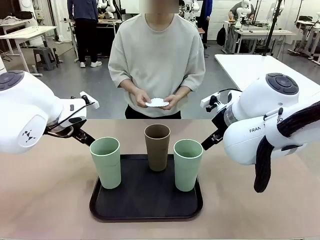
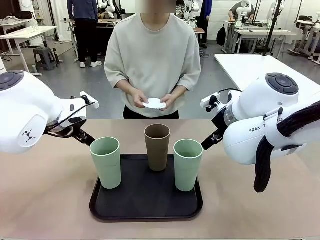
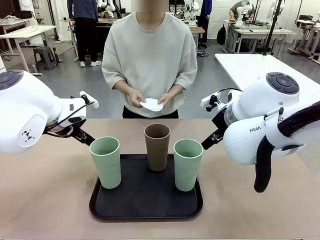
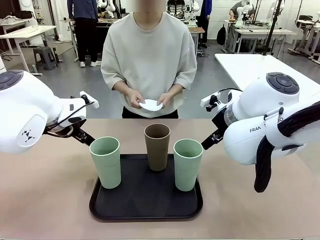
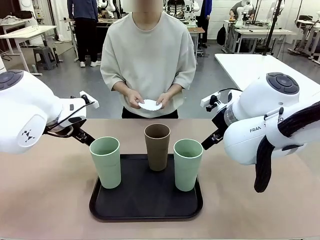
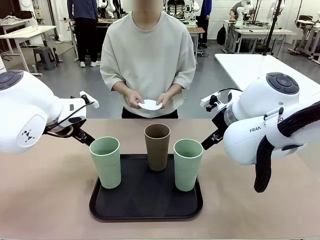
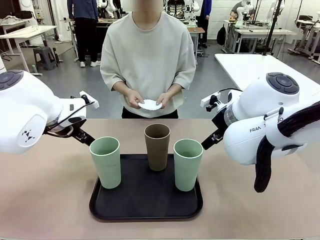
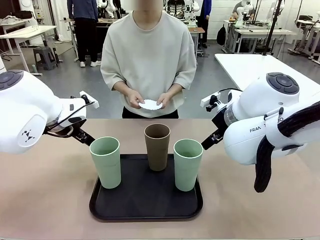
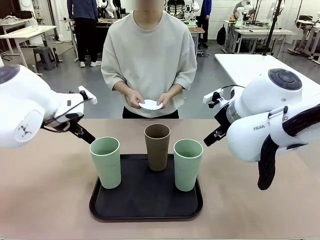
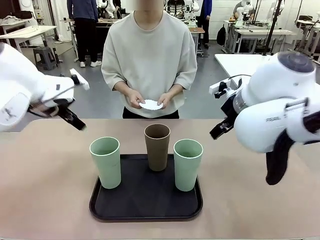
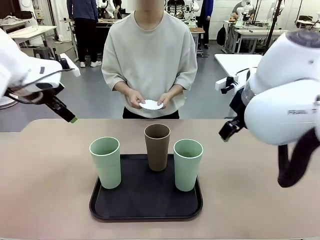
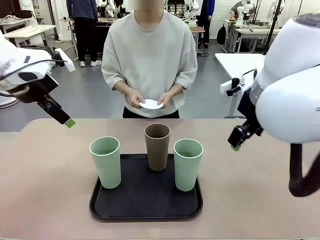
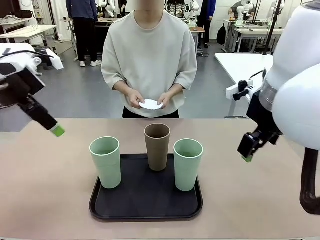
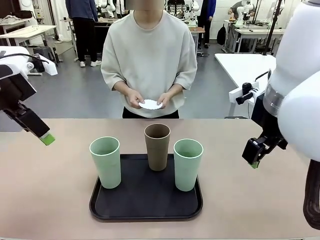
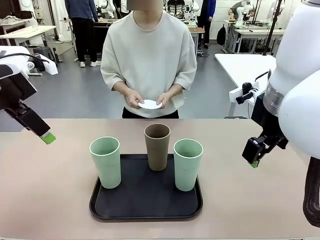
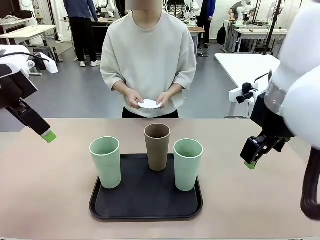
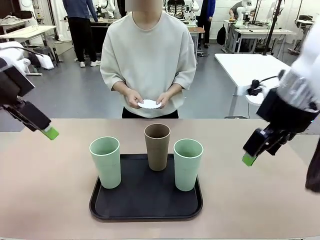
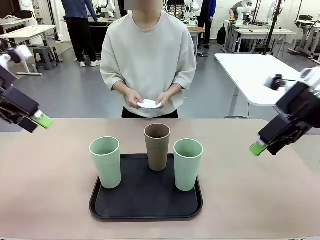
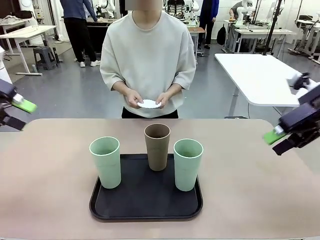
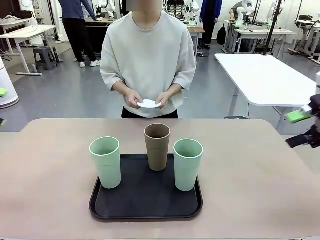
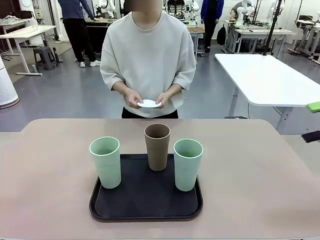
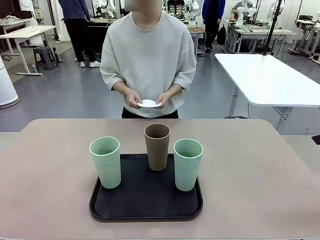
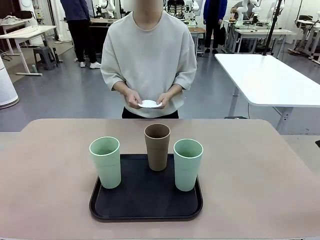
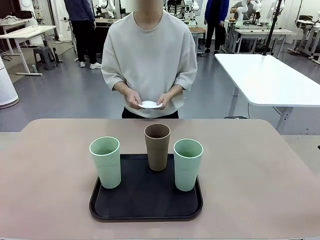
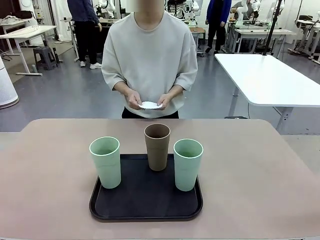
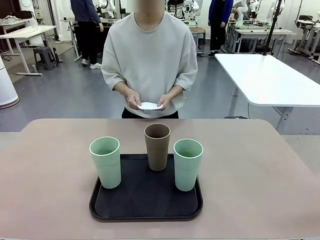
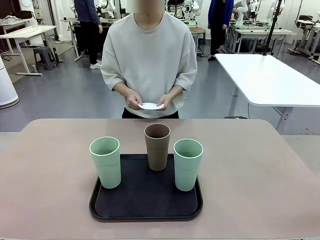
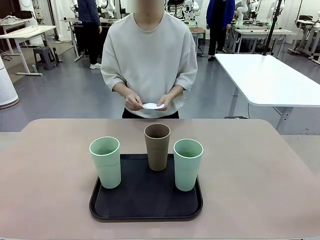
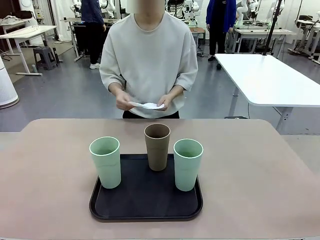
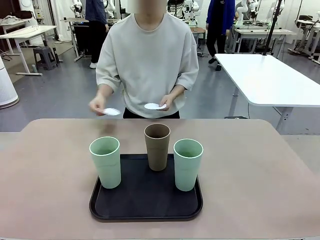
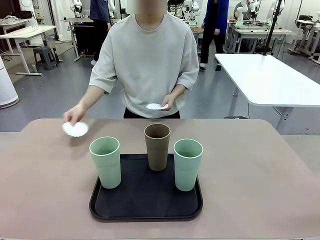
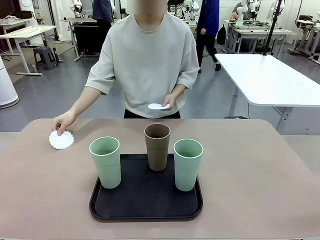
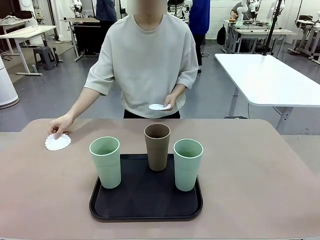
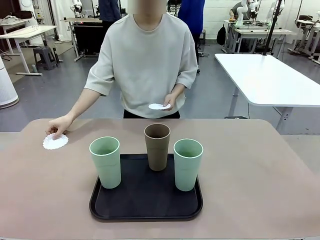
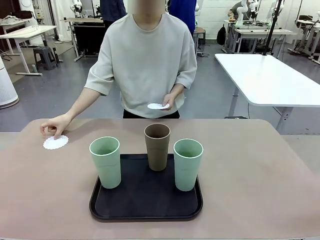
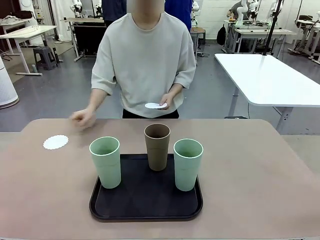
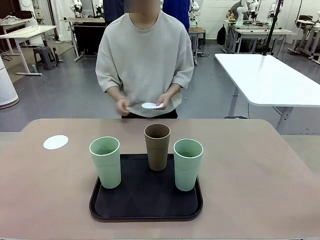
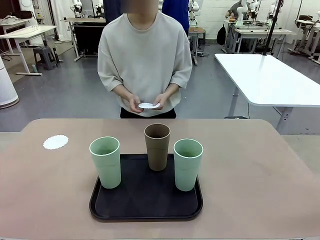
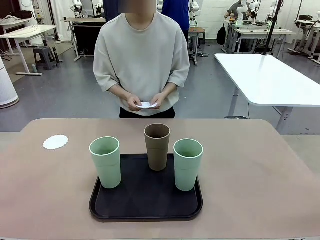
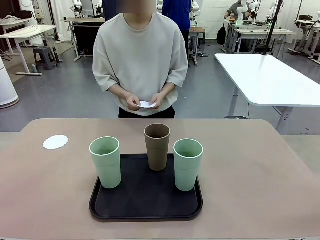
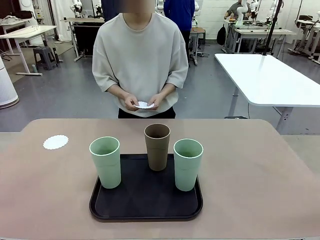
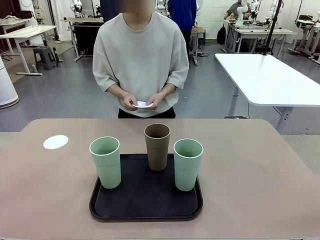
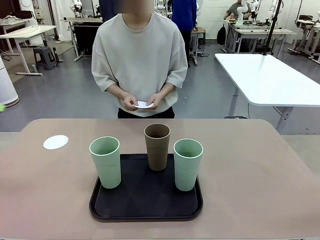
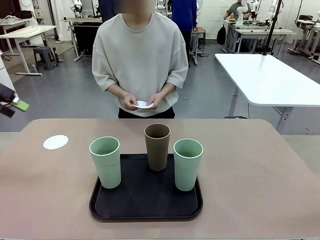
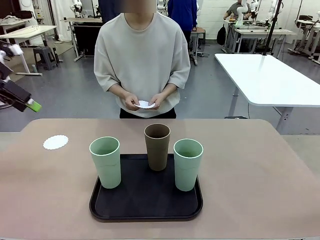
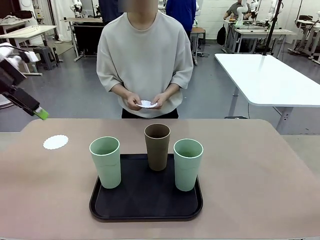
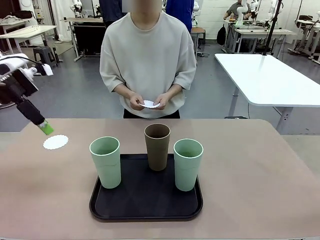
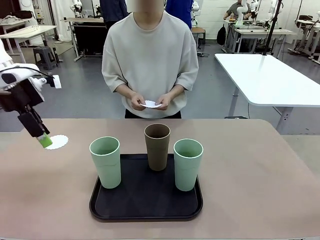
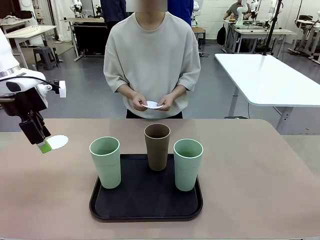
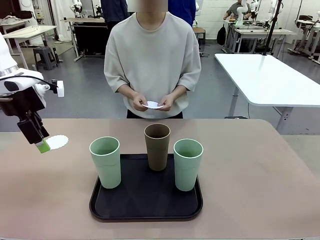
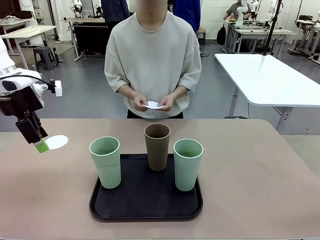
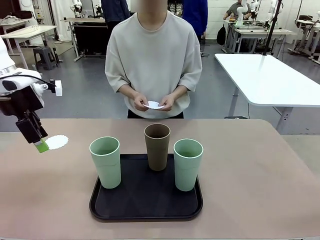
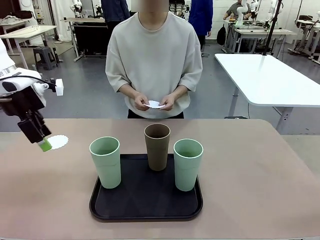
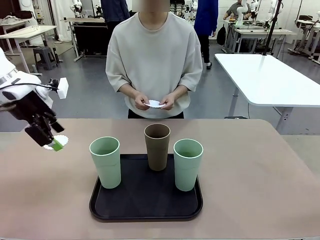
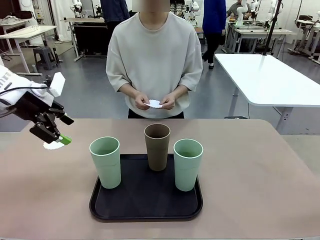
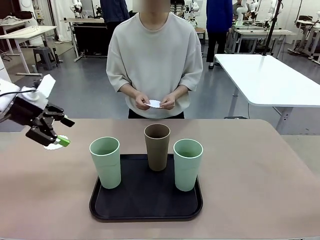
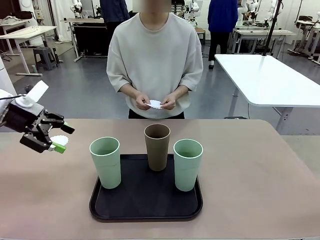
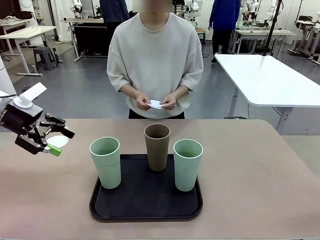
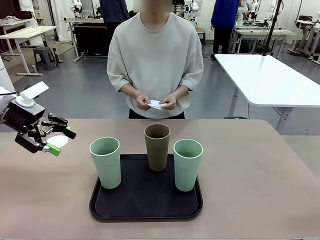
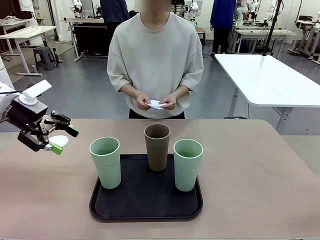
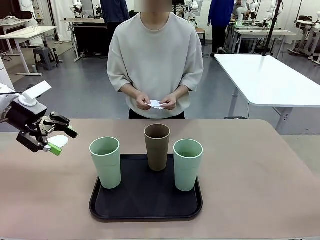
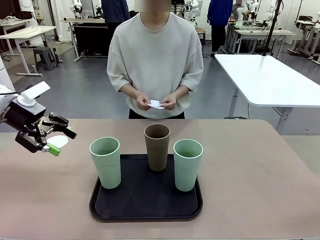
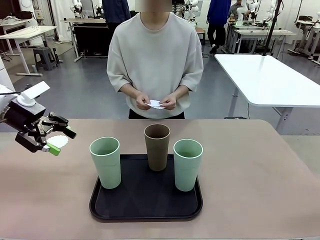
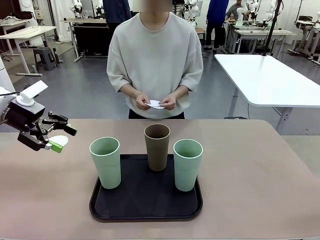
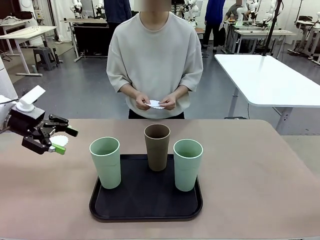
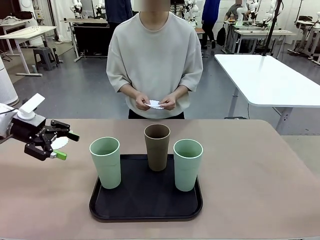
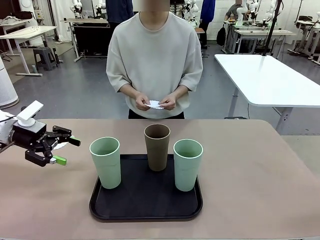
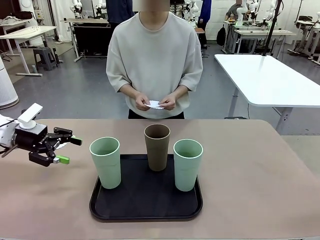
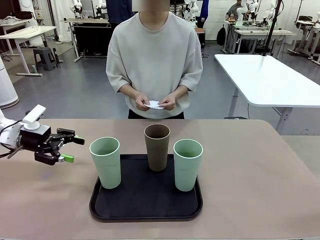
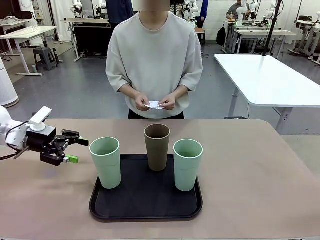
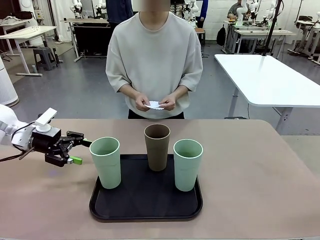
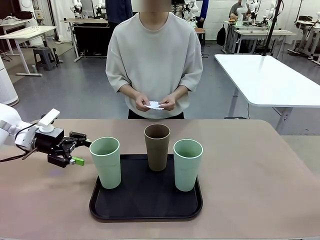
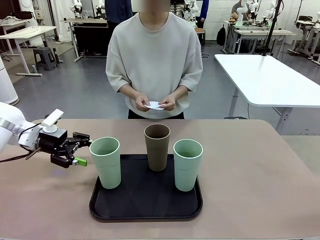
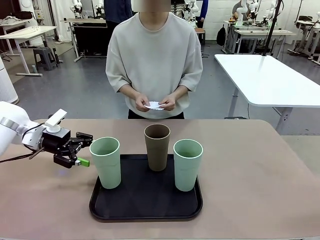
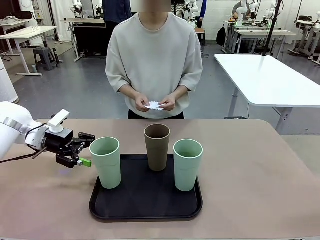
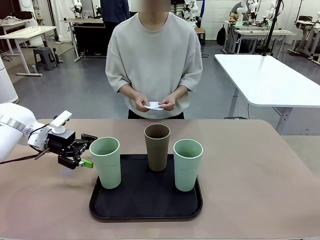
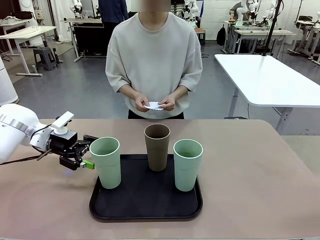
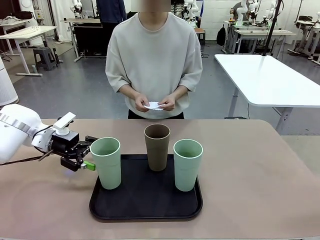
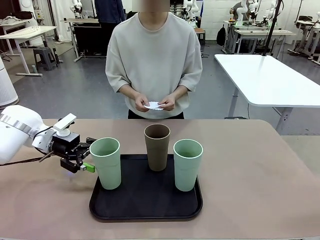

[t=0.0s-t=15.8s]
Task: Place coasters on the table and set cups on them.
Robot: Pick up one Reusable plastic cup and place it on a coaster set by the human.
Person: Place one coaster in any one of the three lower areas of the robot table (left, center, or right).
